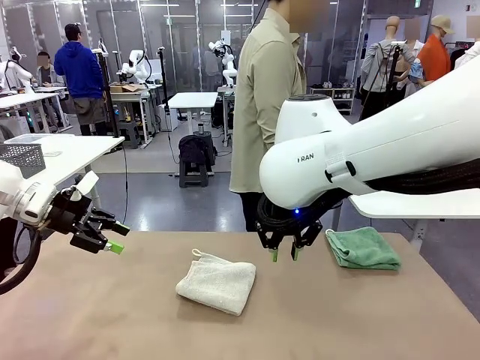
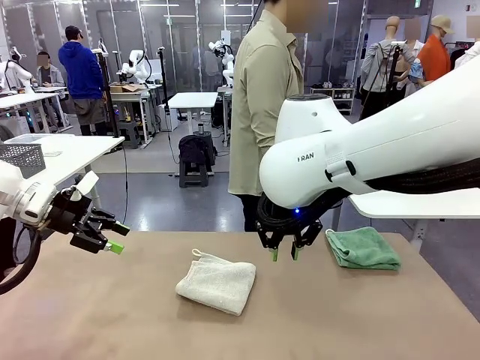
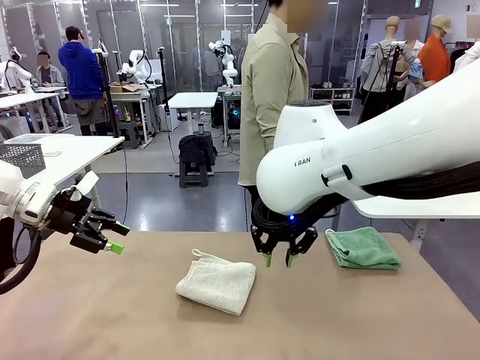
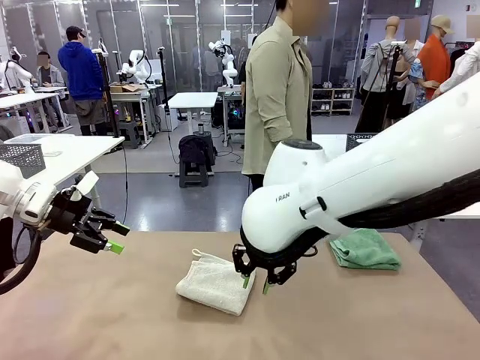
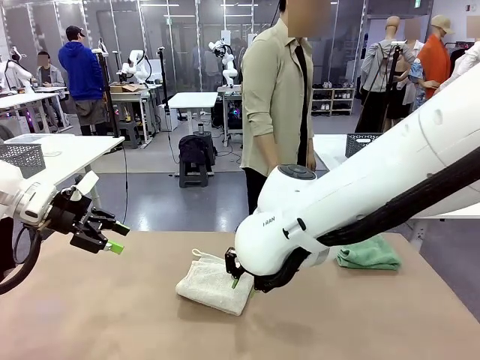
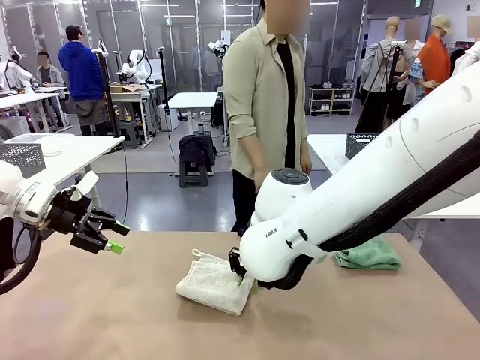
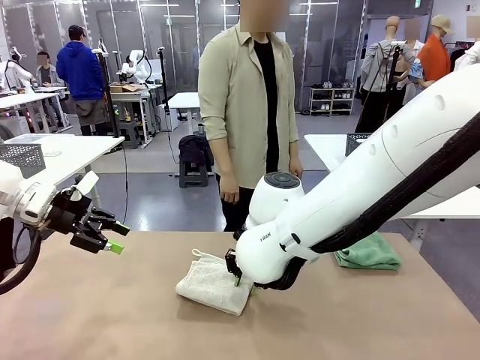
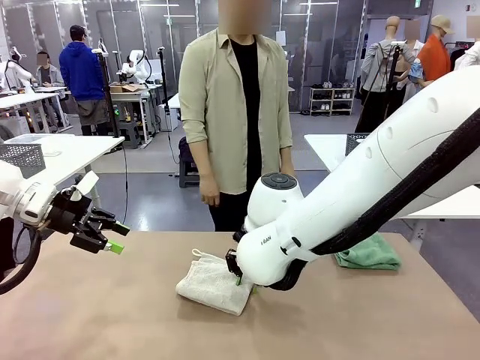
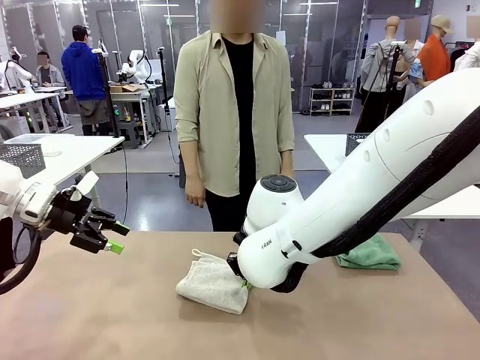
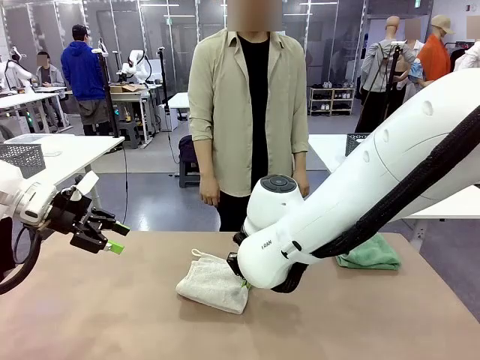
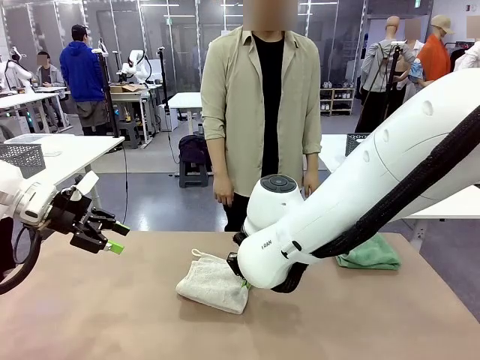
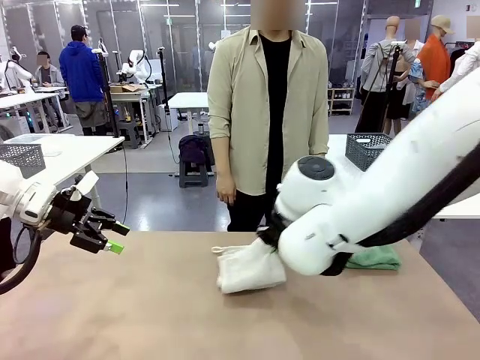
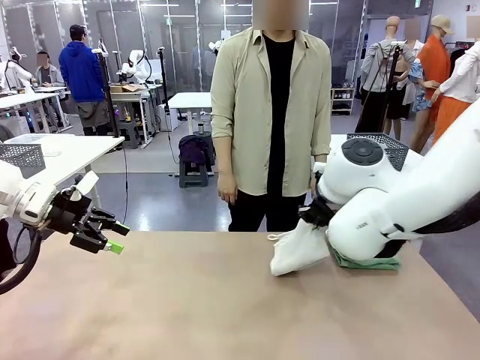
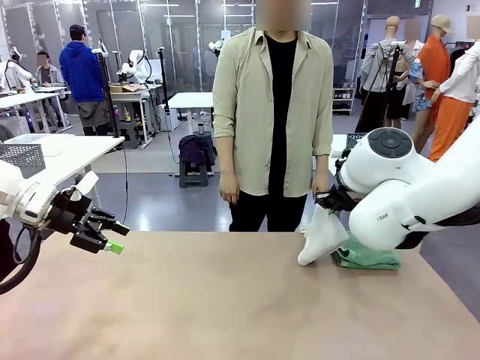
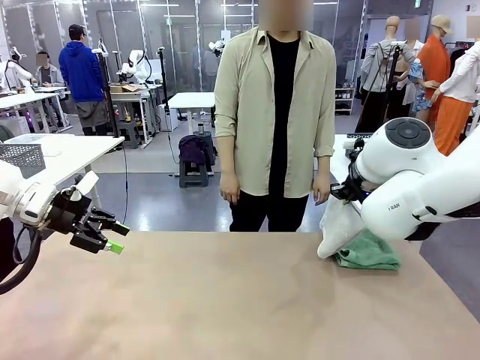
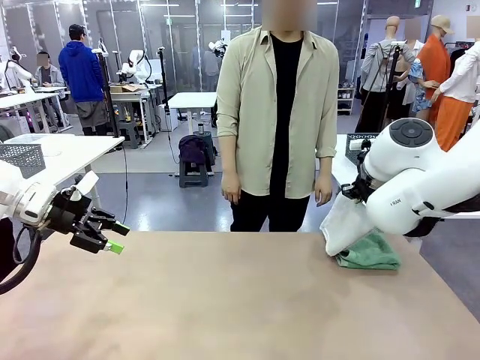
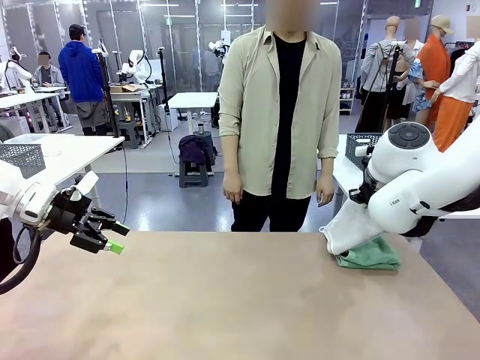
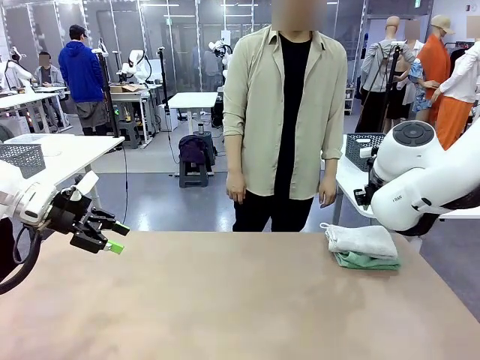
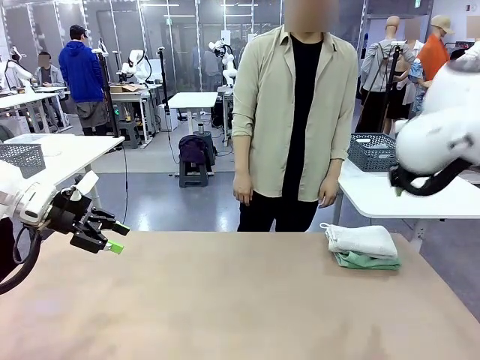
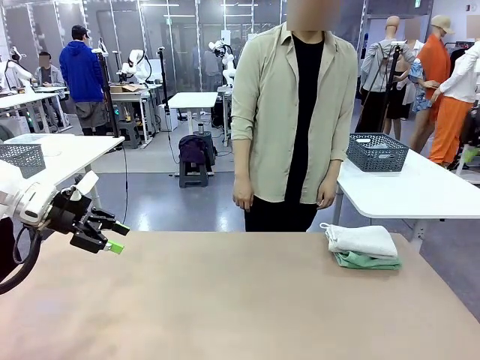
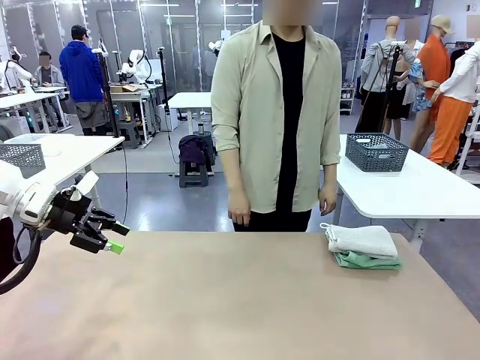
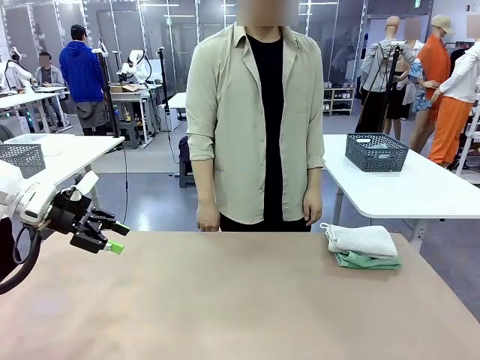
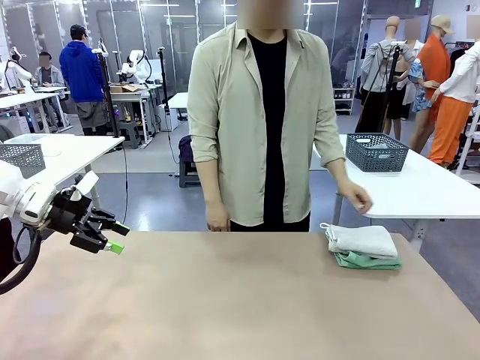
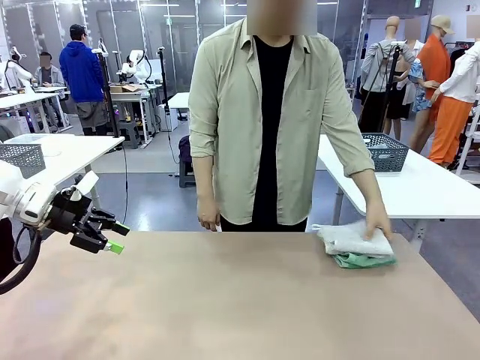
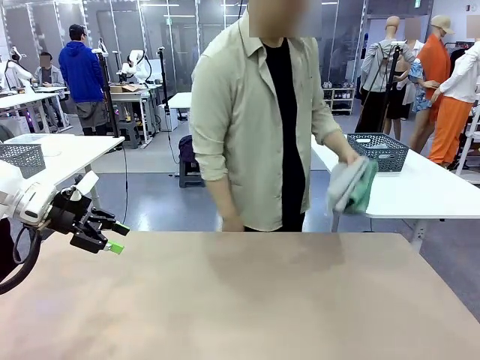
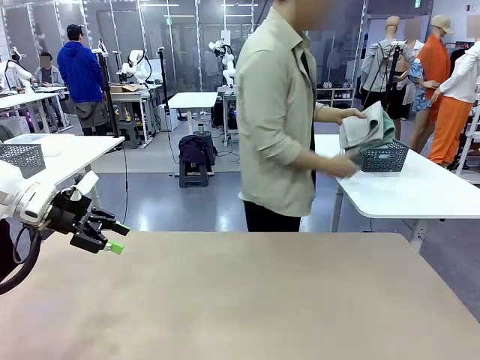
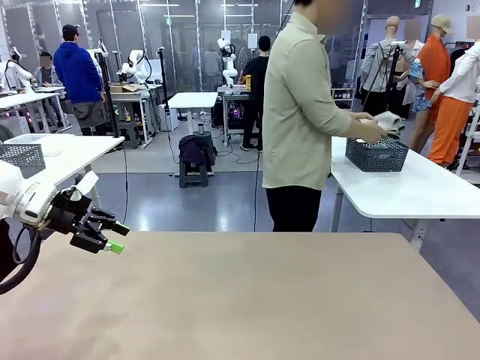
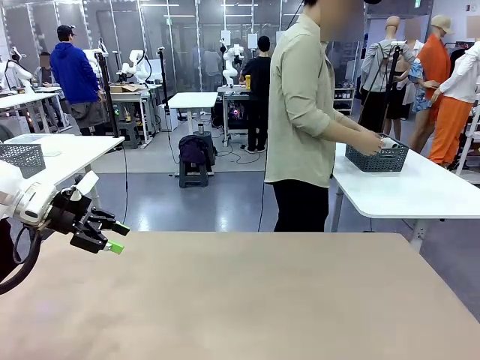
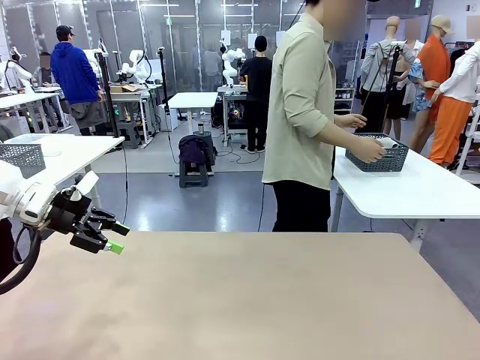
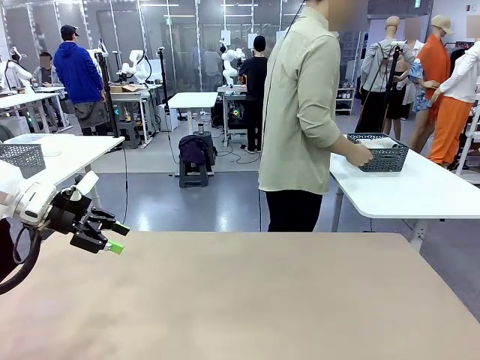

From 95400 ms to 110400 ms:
Task: Fold the towels and place them in the basket.
Robot: Stack the folded Towel with hook on the right side of the table.
Person: Pick up the stack of towels from the robot table and place it into the basket.

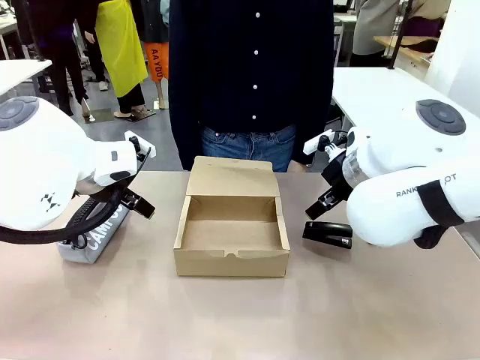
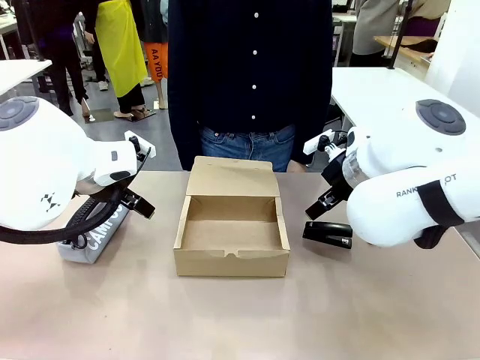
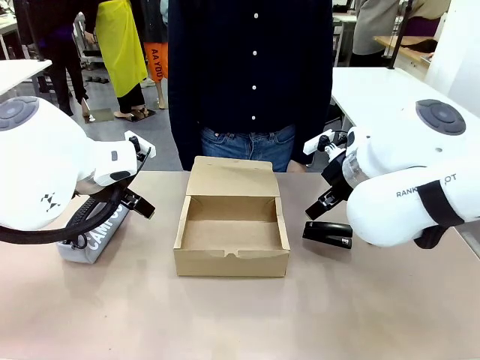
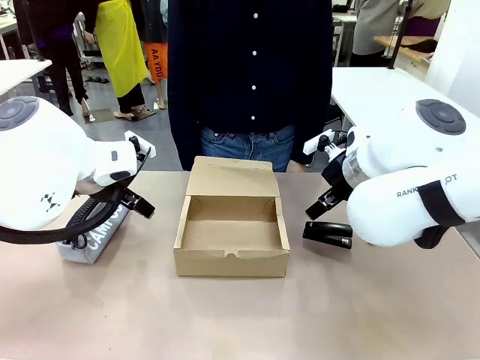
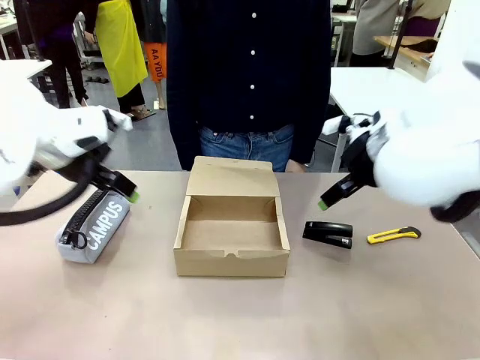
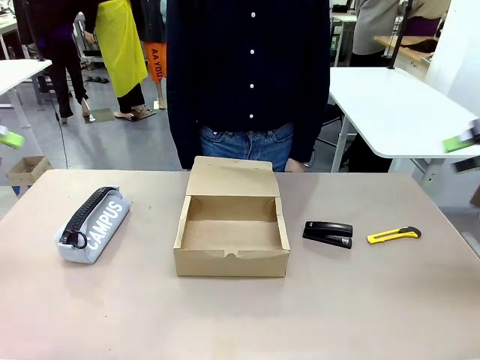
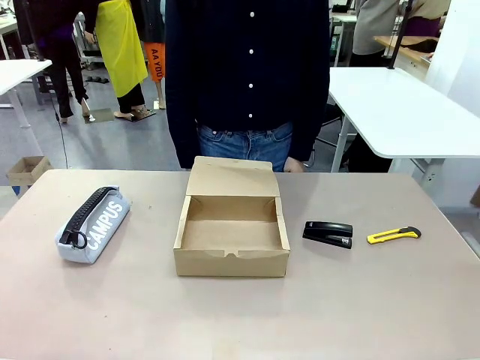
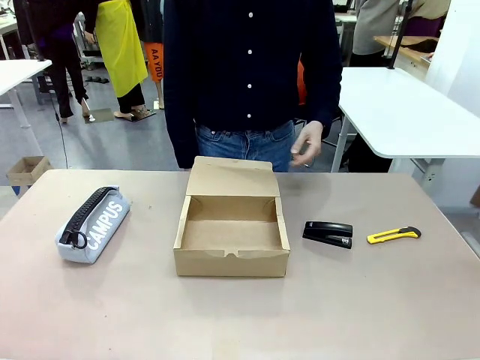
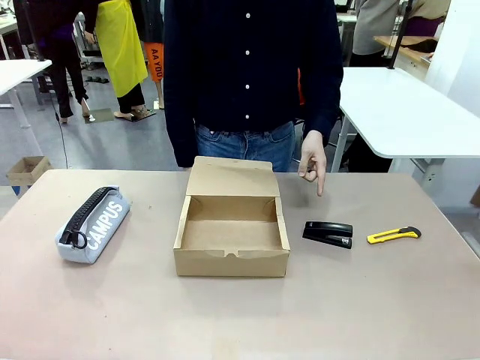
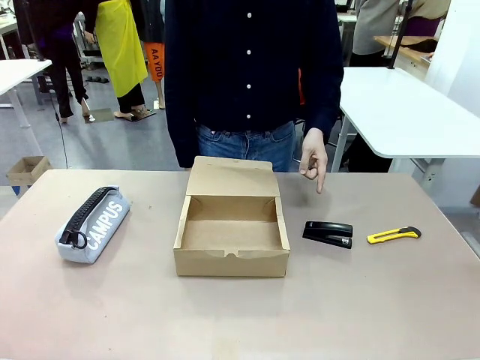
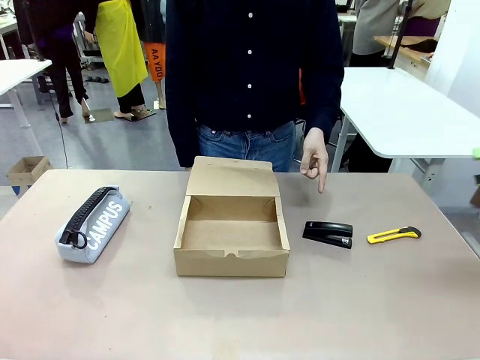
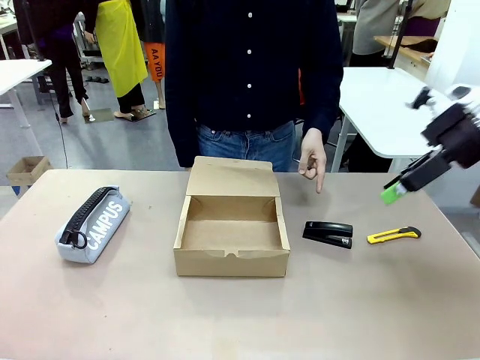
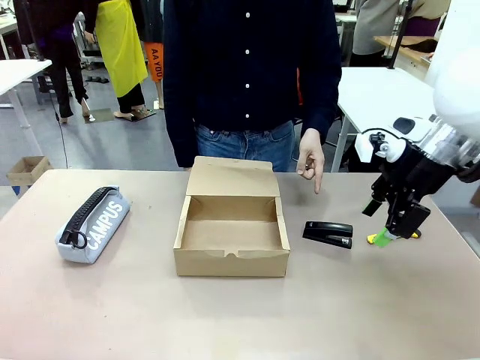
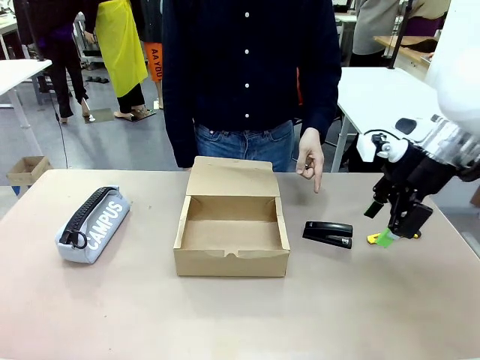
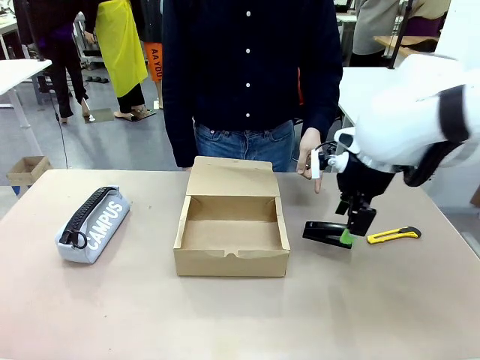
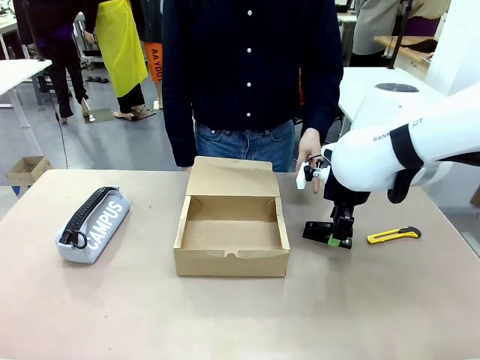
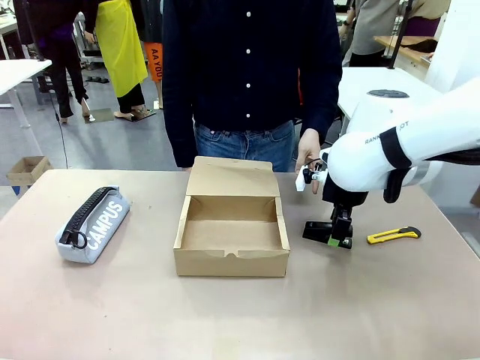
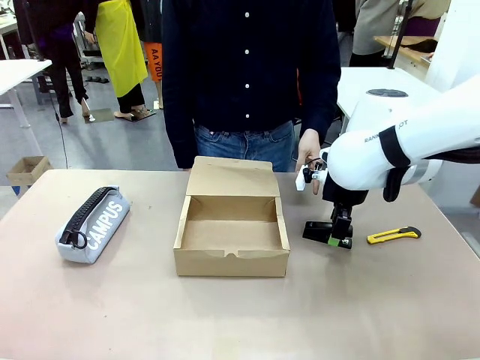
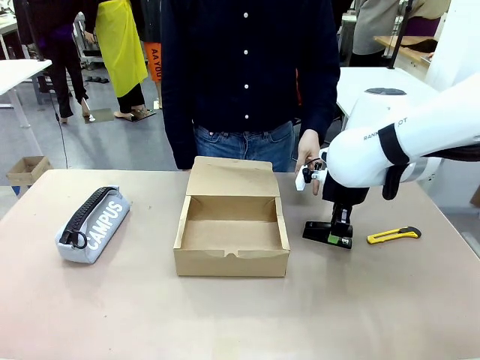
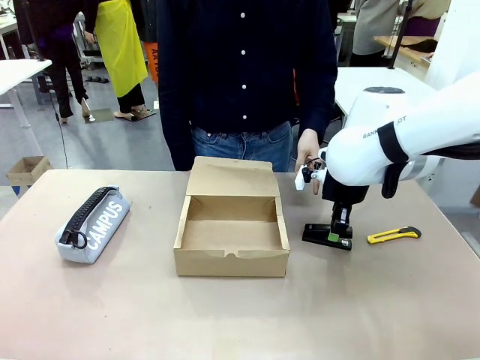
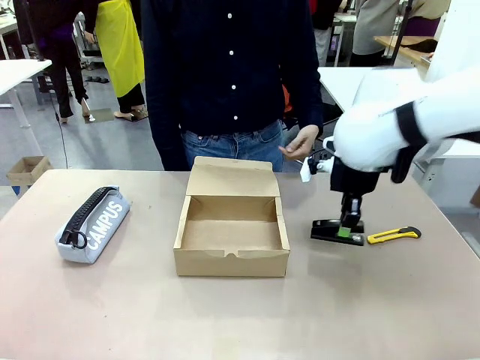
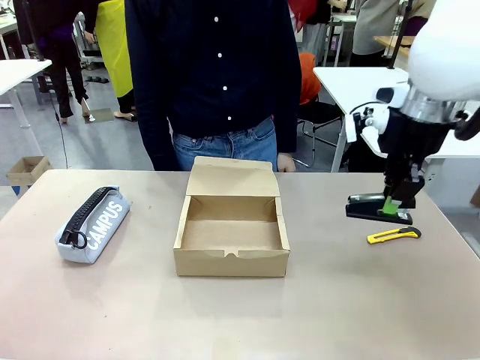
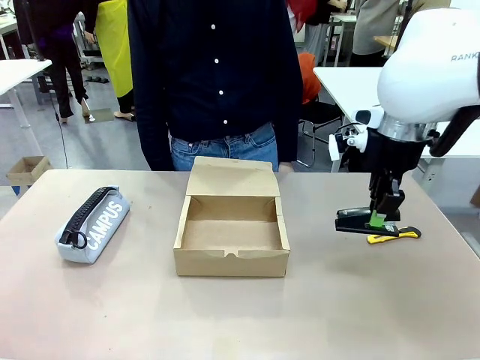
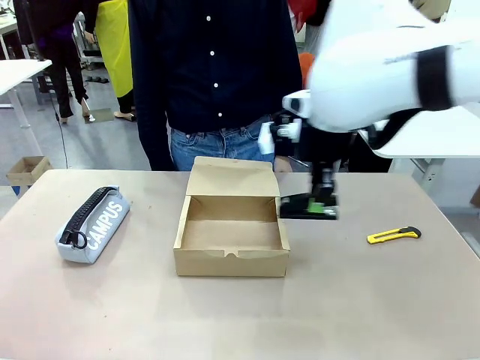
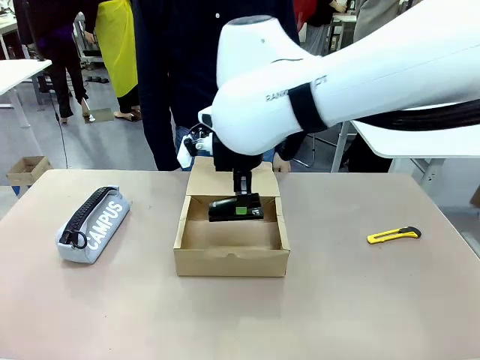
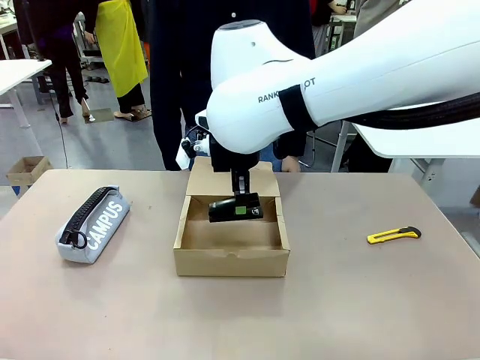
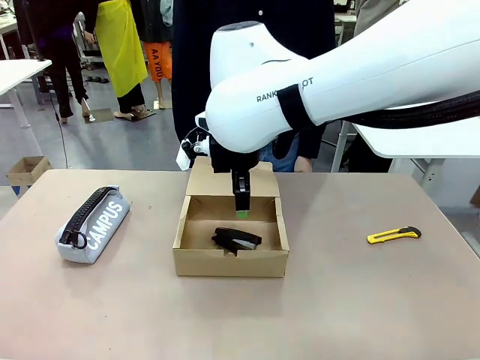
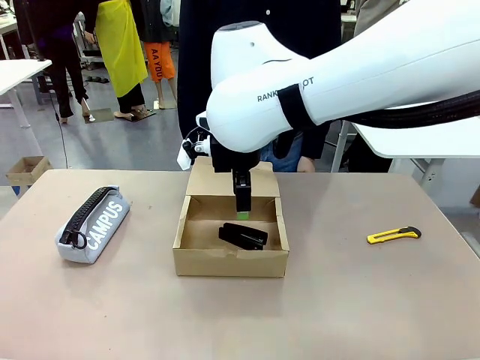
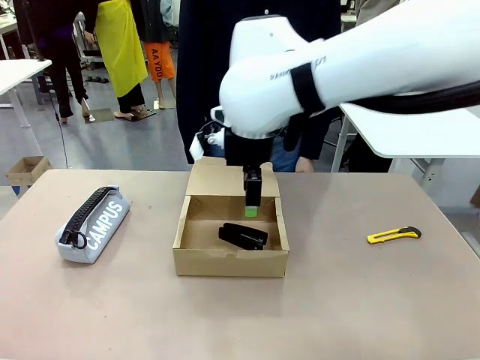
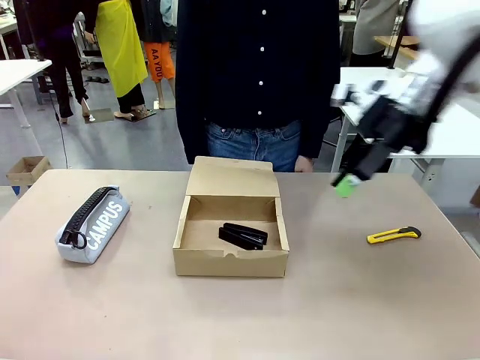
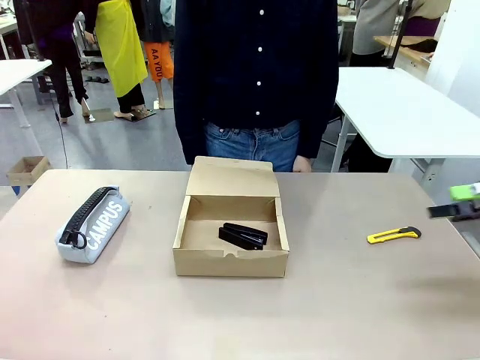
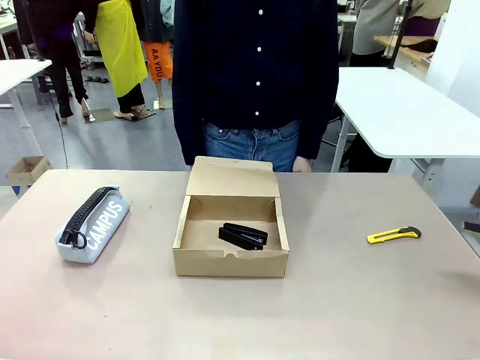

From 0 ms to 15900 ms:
Task: Pack the items into the box.
Robot: Pick up the item specified by the human and place it in the Mailer Box.
Person: Point at one item on the table (excluding the box).
